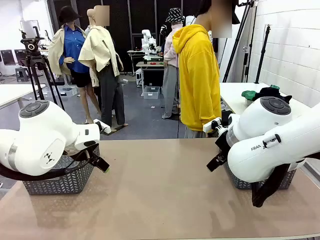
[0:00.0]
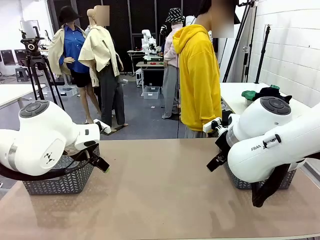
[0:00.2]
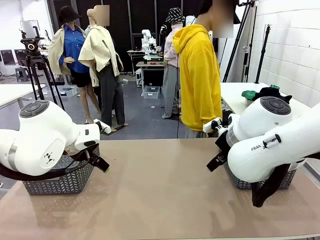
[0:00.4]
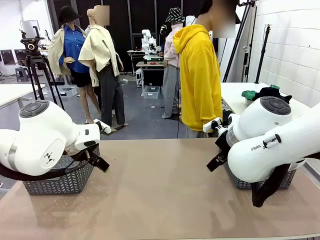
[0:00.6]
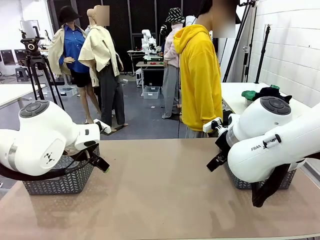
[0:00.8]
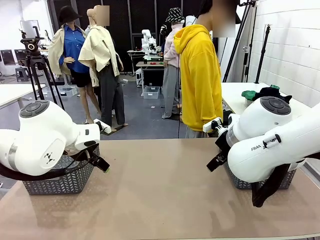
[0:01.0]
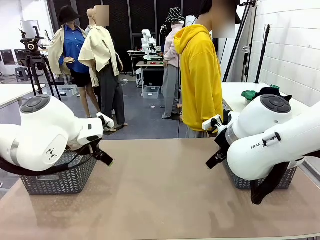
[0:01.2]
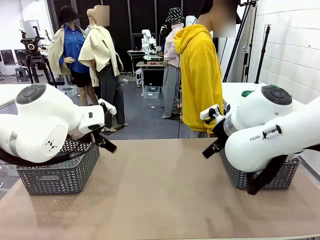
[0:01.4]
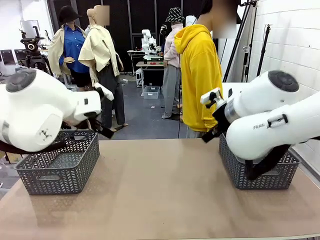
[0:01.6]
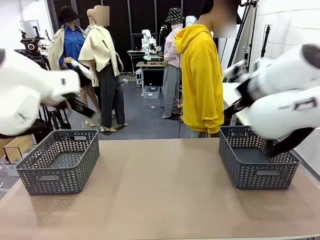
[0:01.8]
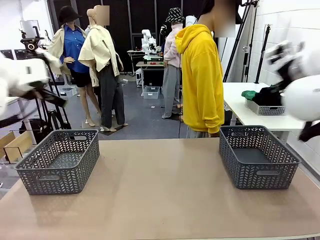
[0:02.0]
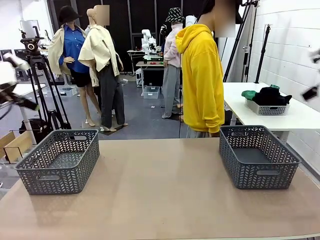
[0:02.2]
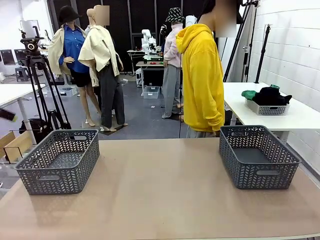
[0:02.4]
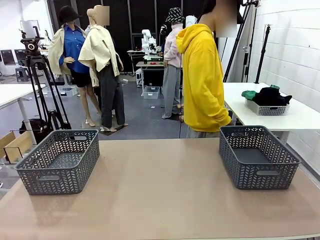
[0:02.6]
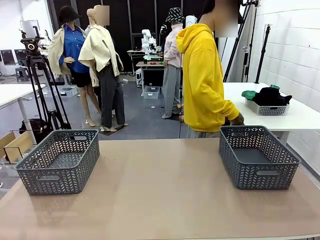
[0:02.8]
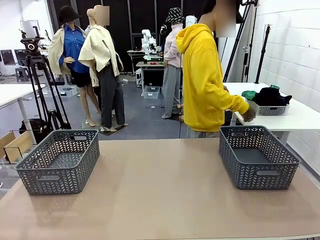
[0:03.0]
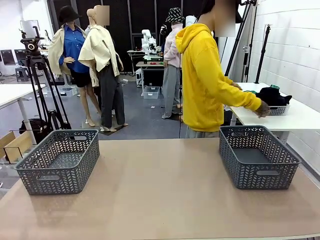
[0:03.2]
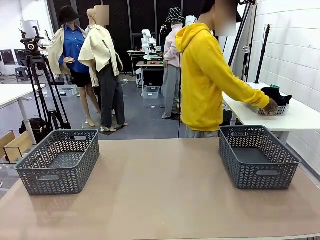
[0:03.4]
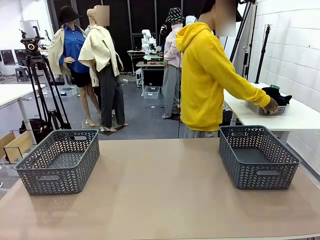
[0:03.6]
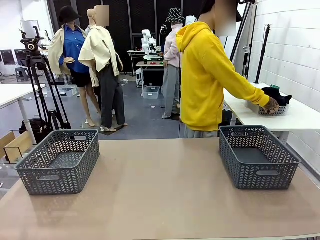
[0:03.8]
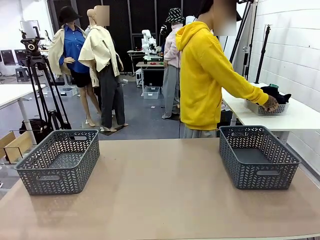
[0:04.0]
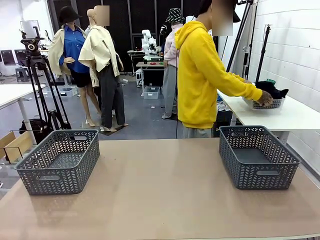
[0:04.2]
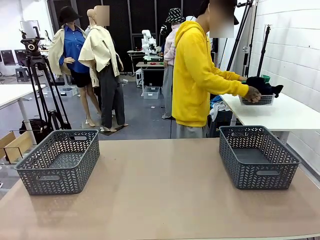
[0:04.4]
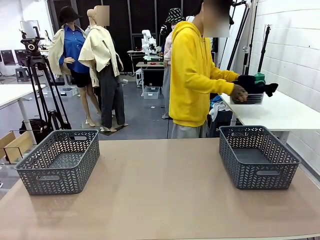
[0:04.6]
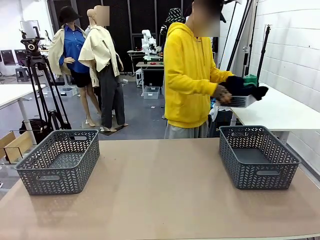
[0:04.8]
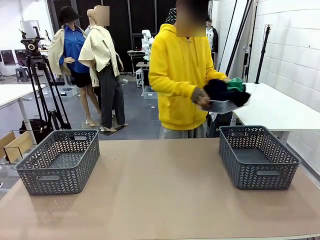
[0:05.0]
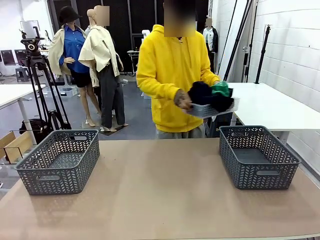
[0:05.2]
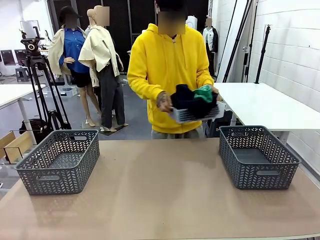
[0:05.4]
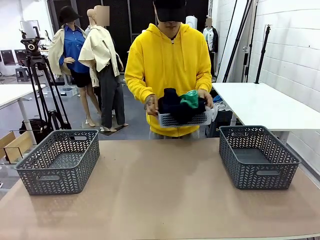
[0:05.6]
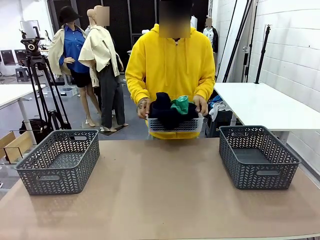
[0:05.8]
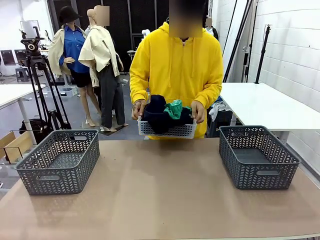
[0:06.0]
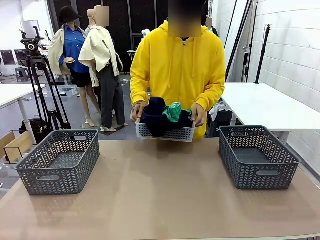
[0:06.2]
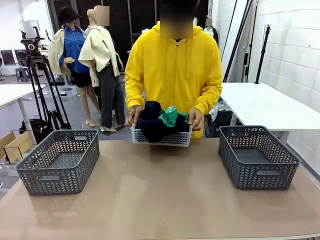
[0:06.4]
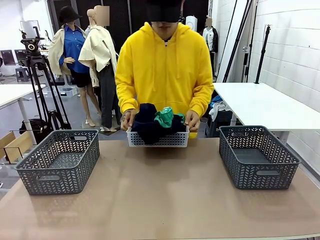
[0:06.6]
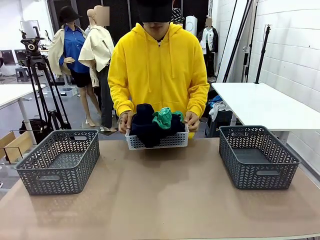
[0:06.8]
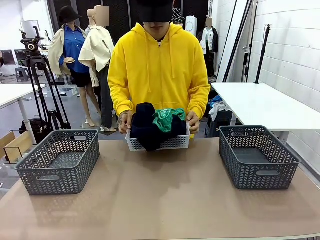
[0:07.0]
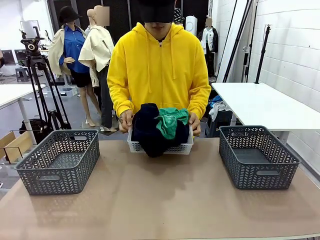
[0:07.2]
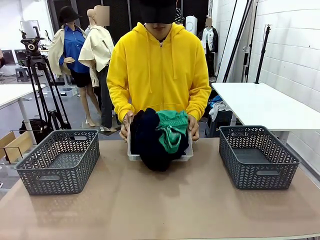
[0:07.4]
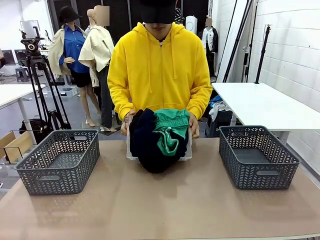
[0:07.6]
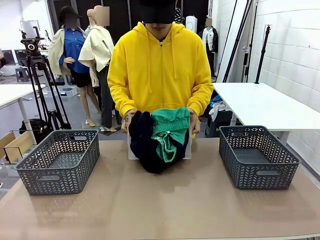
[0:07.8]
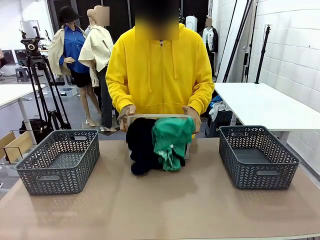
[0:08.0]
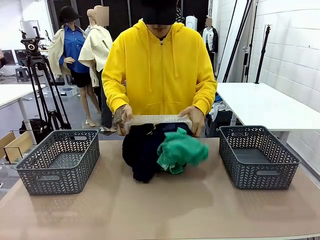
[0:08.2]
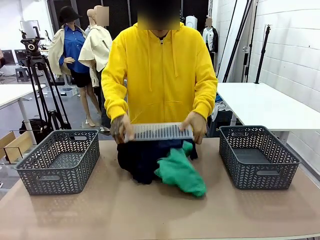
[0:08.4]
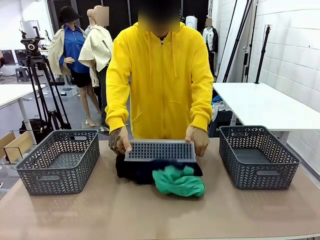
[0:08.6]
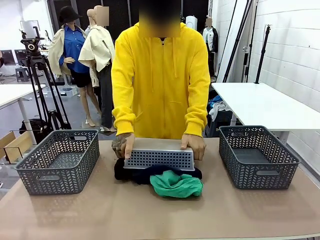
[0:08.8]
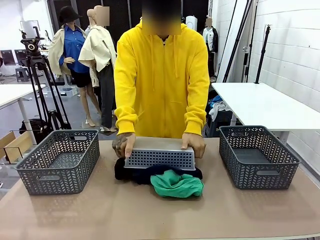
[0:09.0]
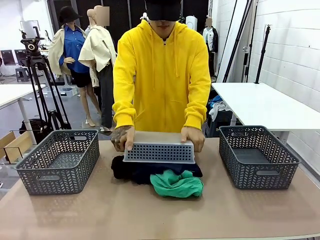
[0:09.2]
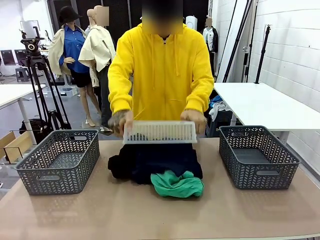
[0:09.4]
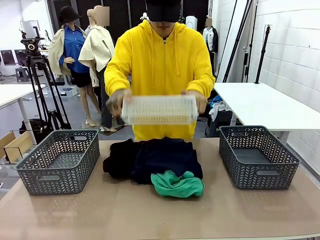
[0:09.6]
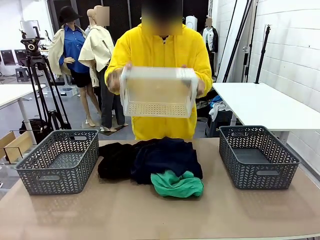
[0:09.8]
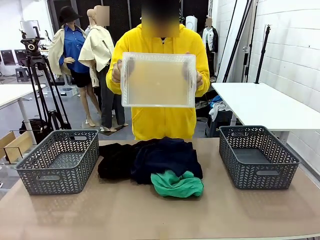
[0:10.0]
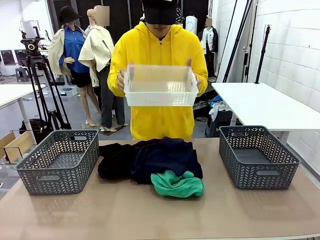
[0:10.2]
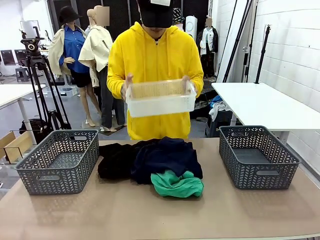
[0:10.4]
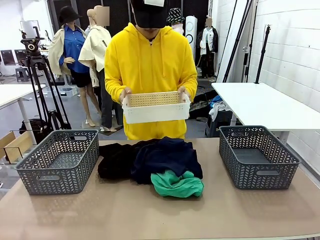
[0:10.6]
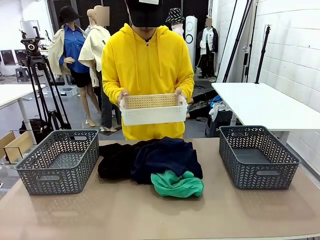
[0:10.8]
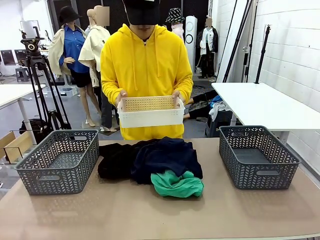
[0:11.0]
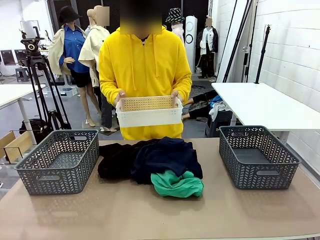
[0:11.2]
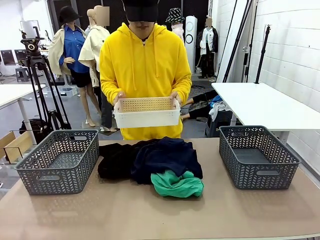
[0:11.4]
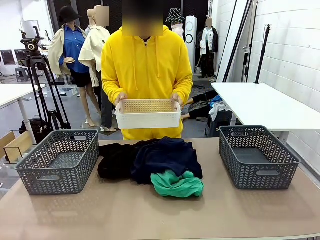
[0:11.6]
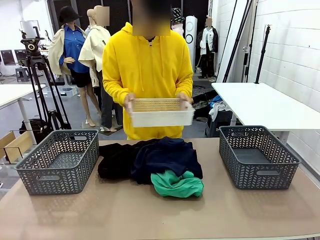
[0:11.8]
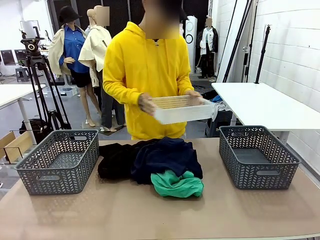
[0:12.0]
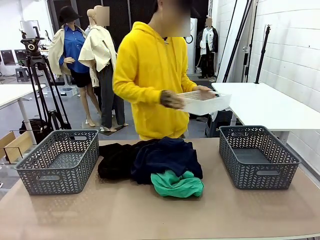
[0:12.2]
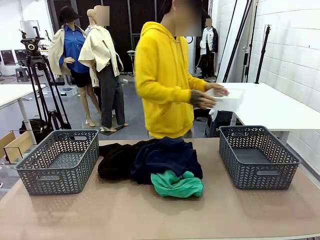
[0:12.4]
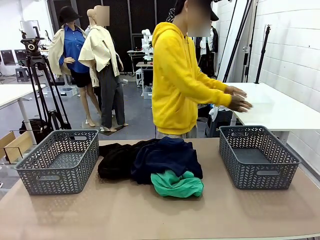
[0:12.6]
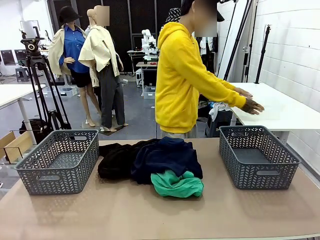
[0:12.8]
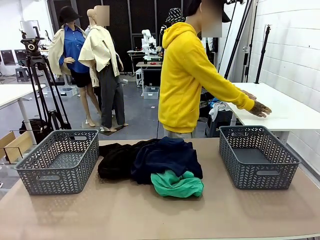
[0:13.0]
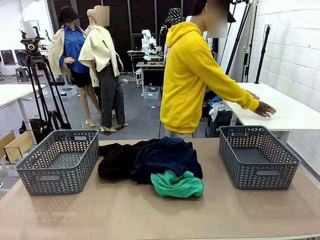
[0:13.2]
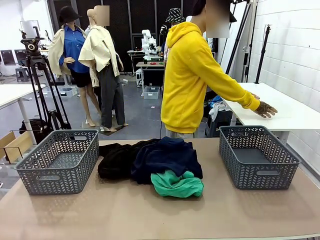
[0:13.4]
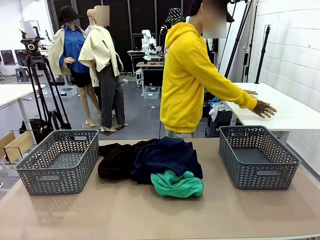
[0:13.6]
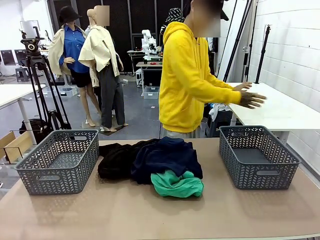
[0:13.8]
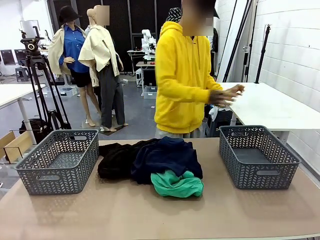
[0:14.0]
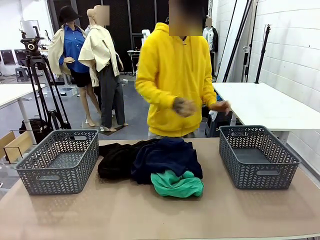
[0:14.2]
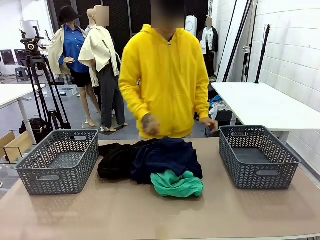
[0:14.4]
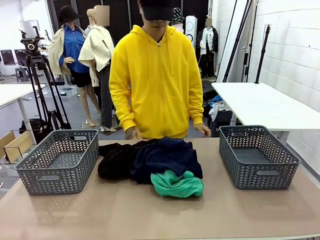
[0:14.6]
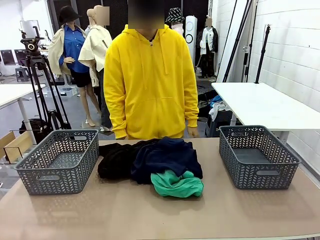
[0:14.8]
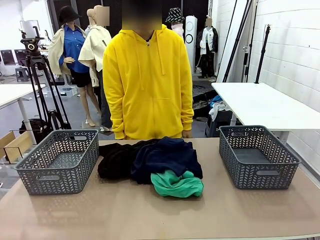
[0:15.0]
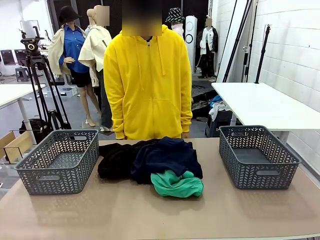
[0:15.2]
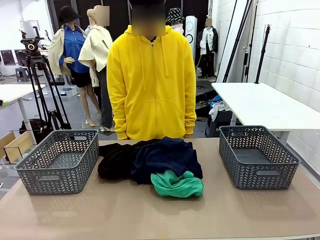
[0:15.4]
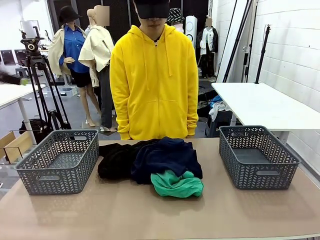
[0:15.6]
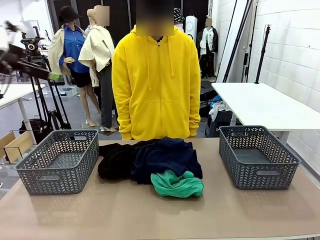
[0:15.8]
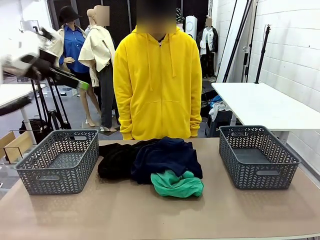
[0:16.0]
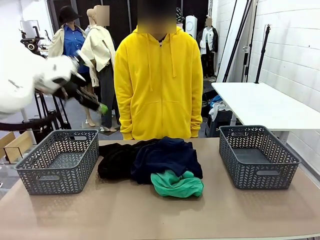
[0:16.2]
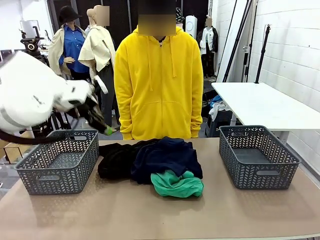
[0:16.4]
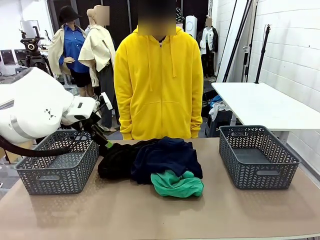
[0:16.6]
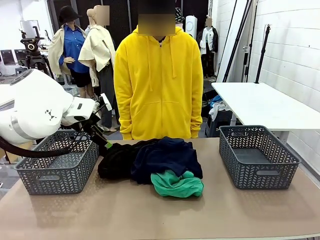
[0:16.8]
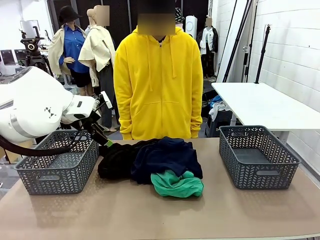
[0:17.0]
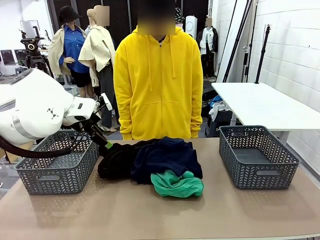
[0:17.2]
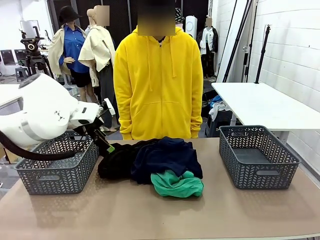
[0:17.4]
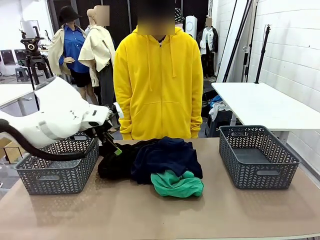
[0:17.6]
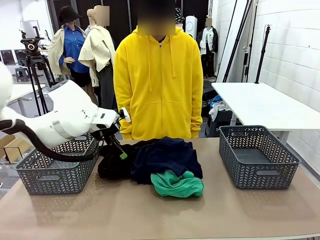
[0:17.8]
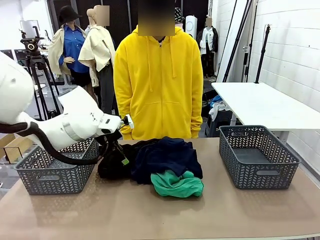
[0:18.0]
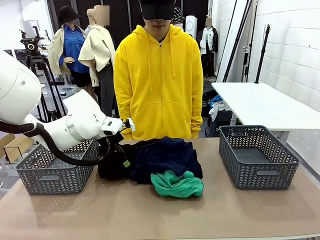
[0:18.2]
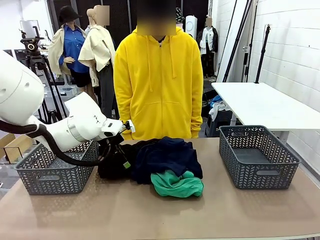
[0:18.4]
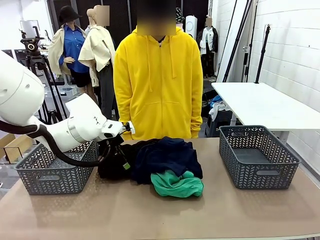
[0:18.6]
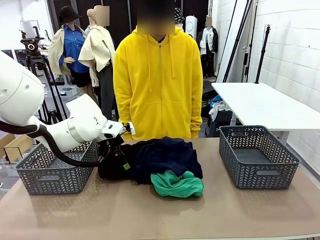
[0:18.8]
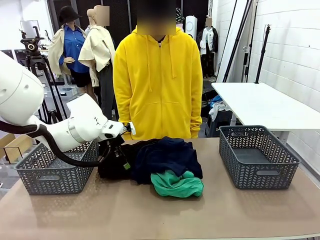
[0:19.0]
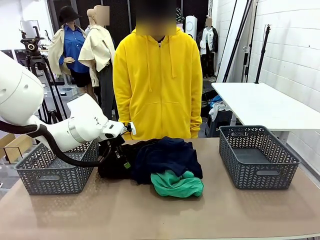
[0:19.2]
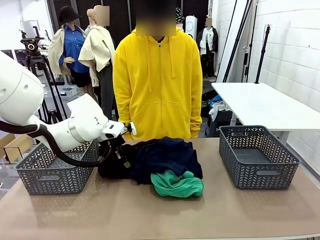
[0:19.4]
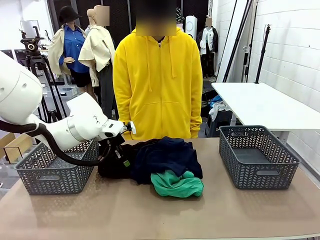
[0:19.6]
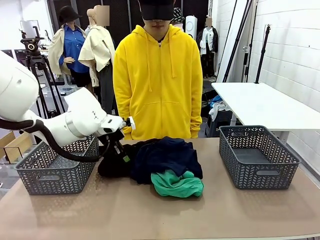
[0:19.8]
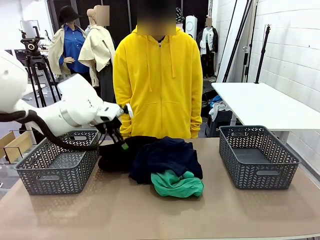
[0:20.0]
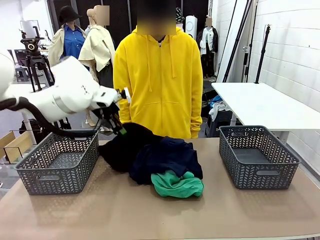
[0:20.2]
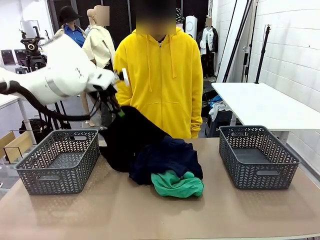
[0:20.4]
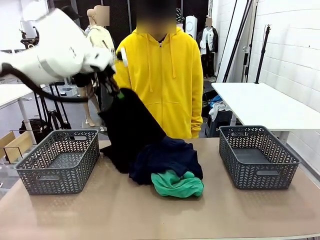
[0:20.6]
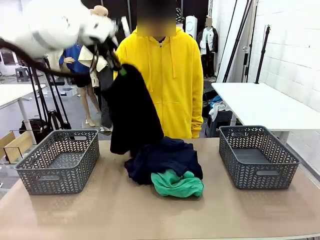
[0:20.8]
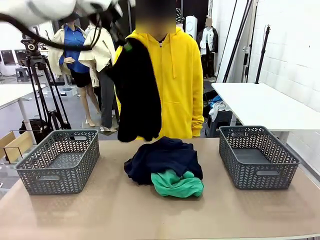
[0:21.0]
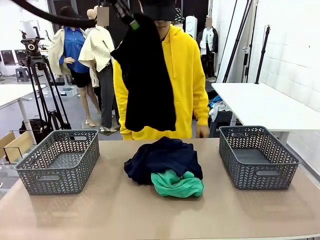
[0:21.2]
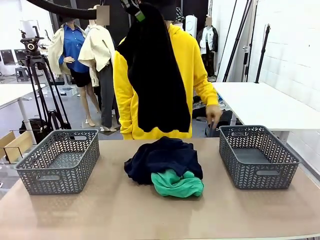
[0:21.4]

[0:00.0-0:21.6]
Task: Sort the tops and bottoms.
Robot: Lift clothes from the center of the table with your left hand.
Person: Pour the clothes from the basket onto the center of the robot table.
